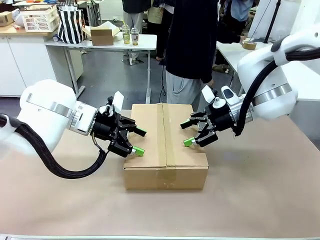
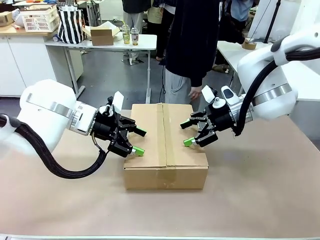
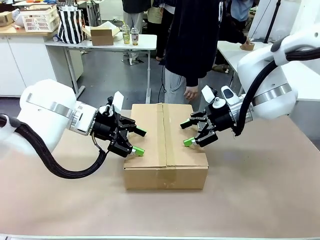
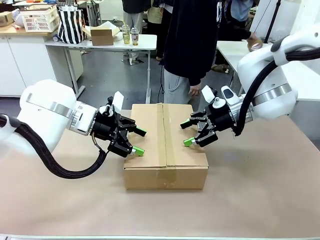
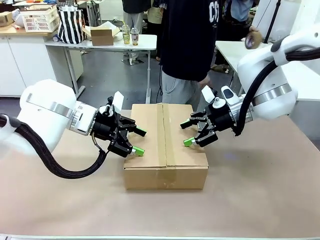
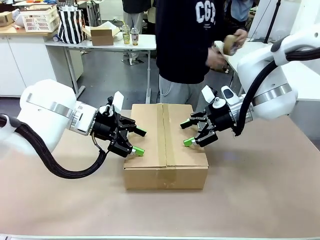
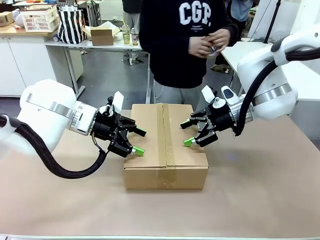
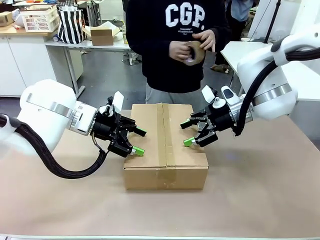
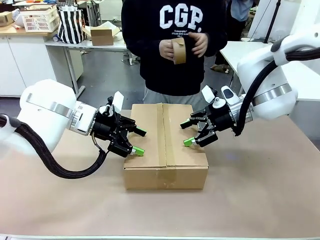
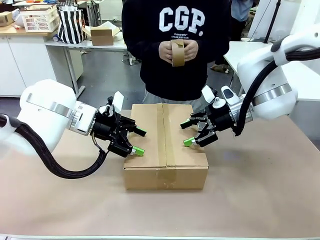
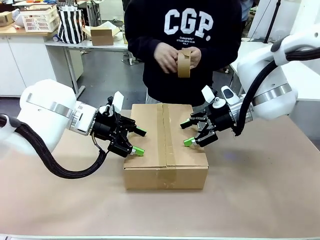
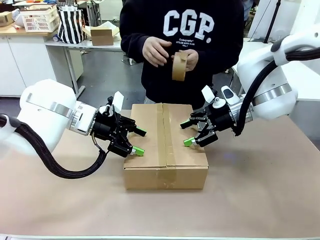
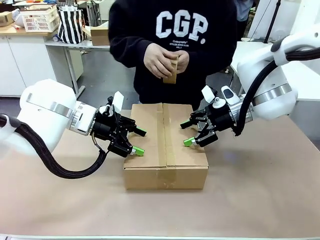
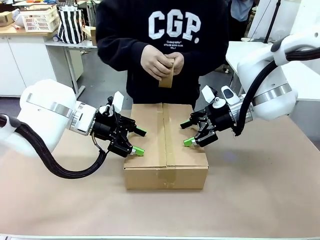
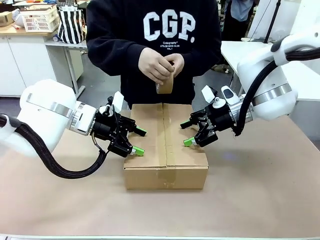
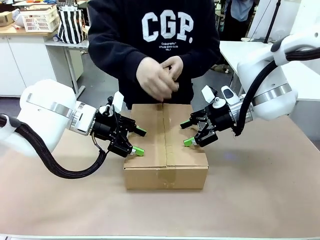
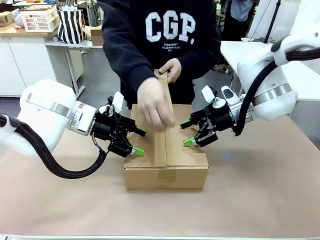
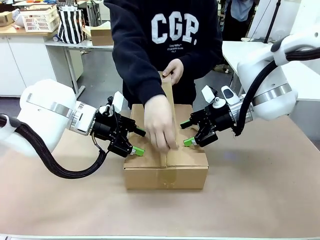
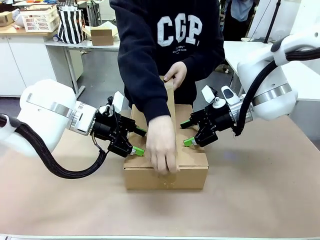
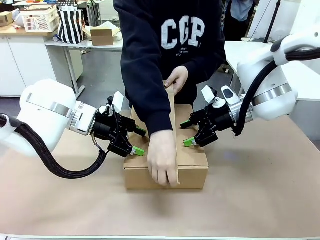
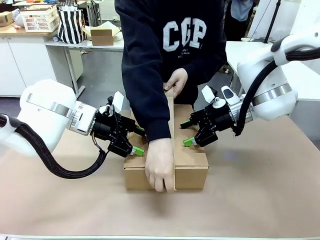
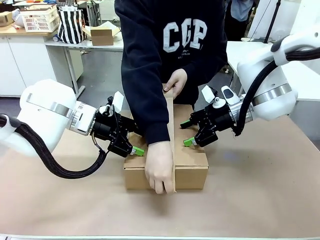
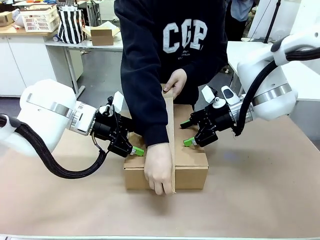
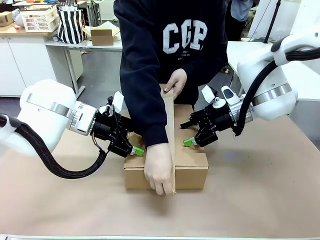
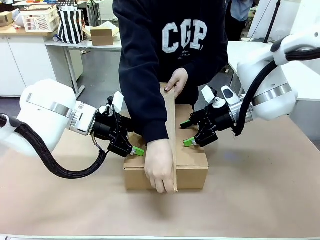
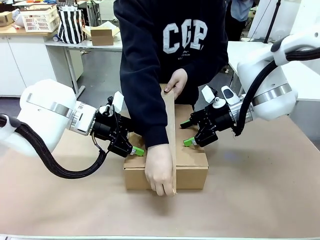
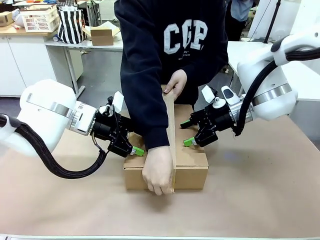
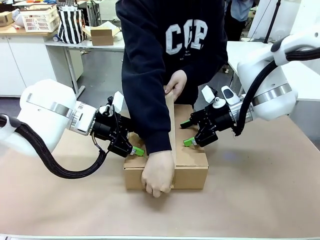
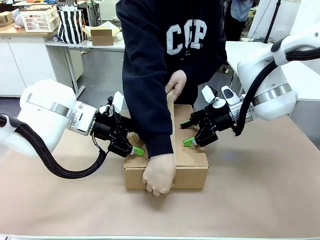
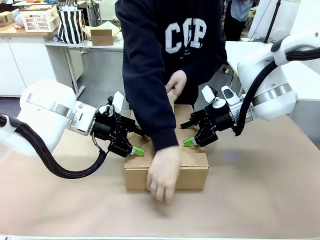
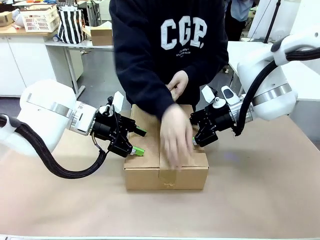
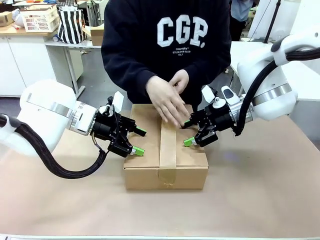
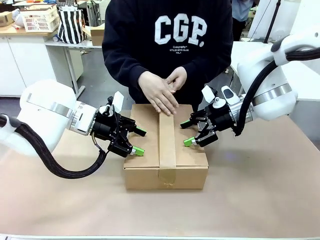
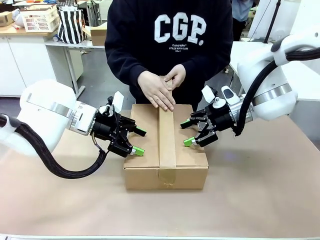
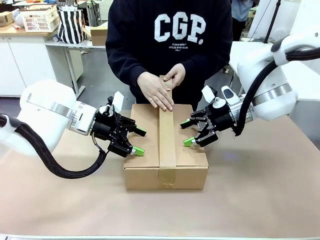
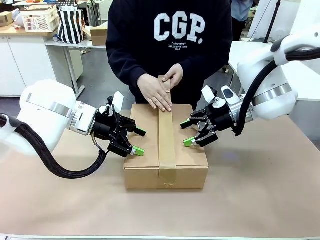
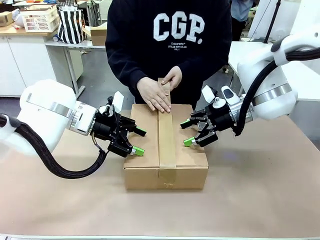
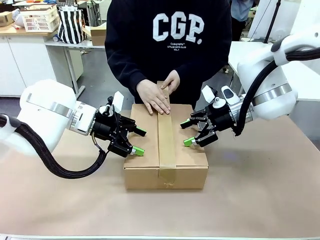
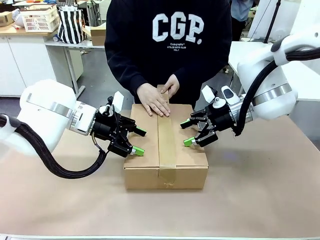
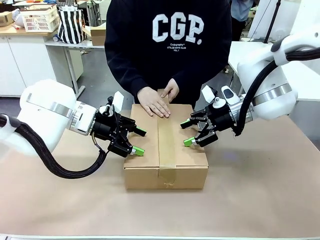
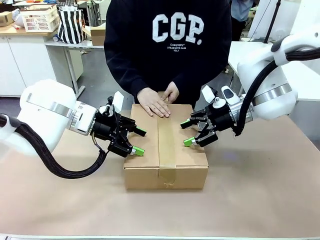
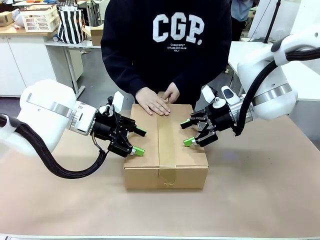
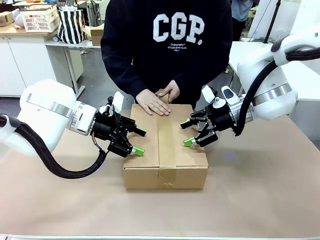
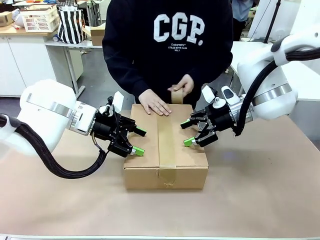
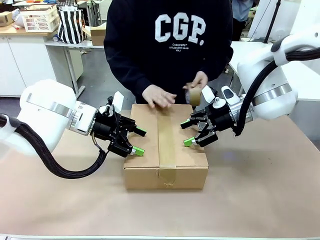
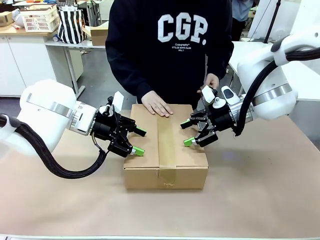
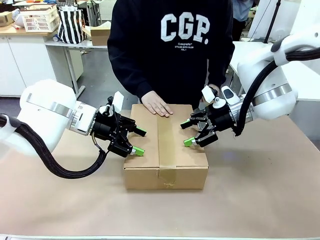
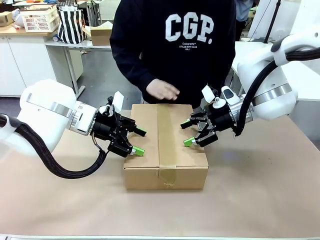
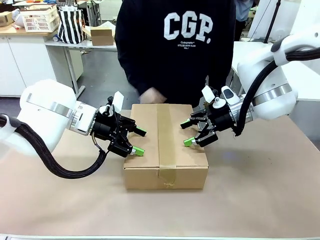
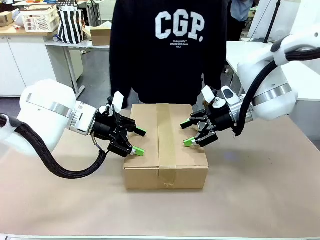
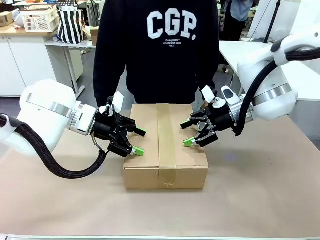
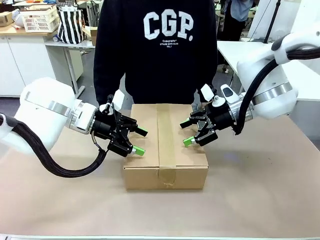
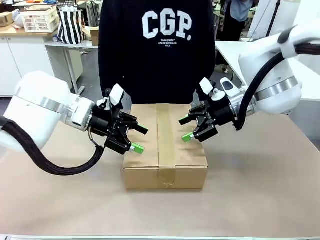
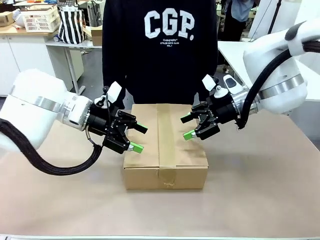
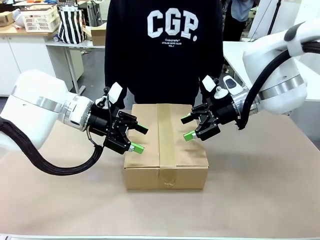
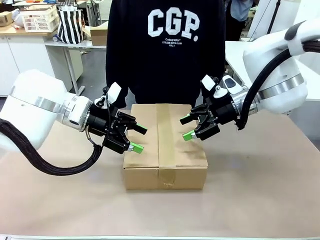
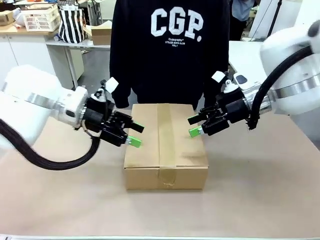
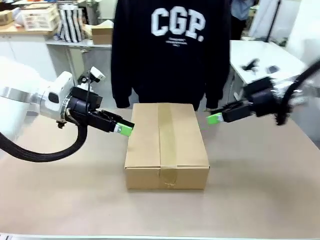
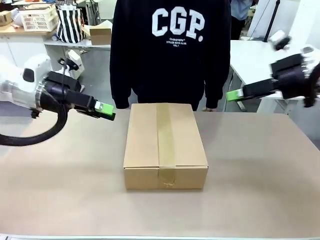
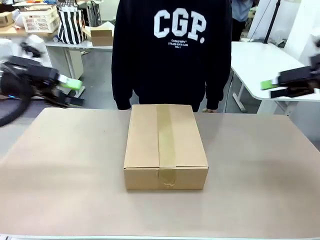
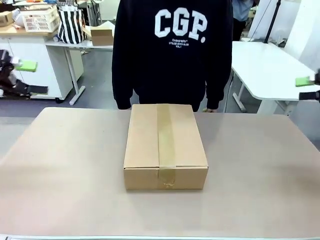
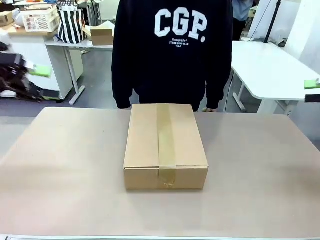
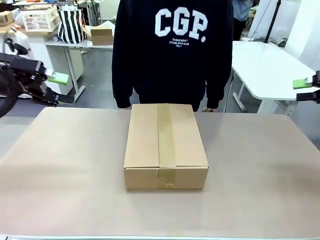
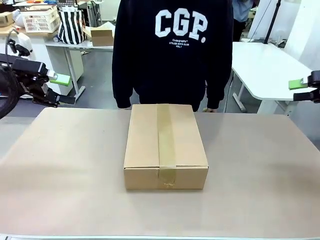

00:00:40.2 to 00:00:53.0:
Task: Pack the gift set into the box.
Robot: Press and hold the closed box until the human finishes sealing it.
Person: The human picks up the paper tape from the human table and packs the box.

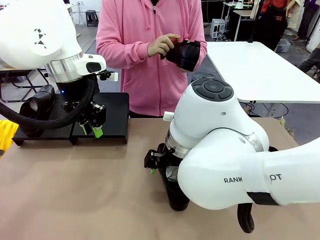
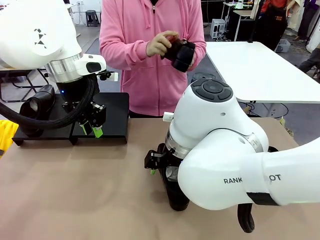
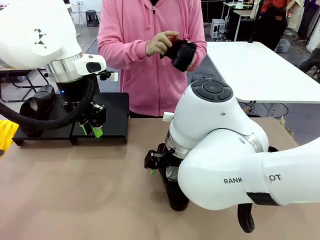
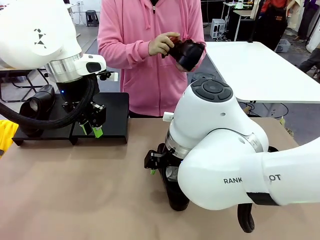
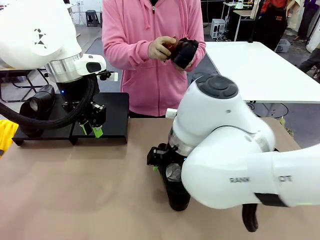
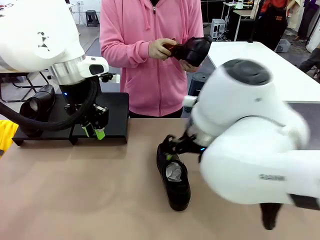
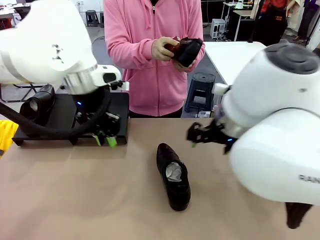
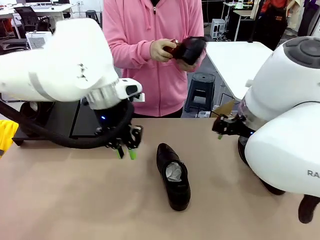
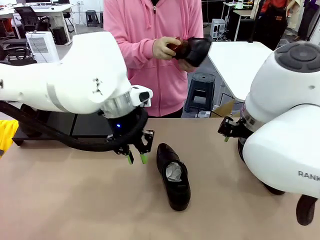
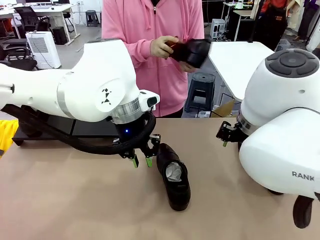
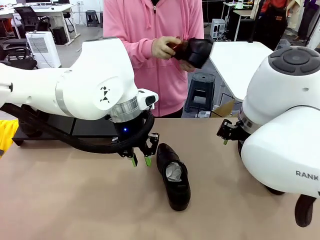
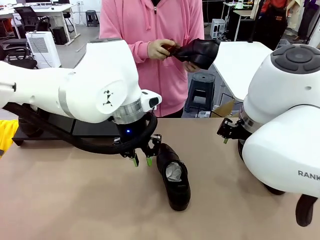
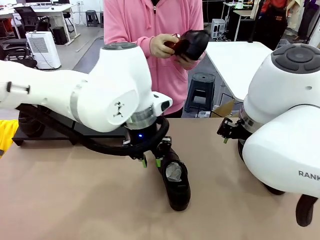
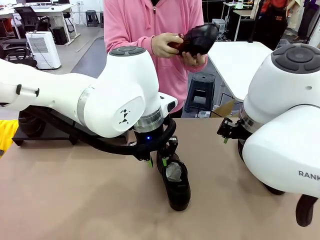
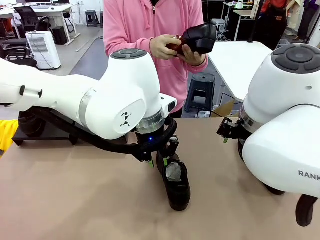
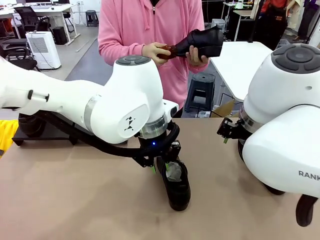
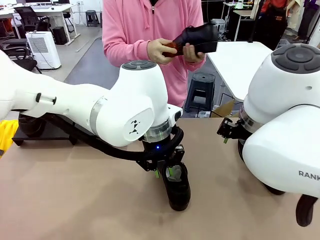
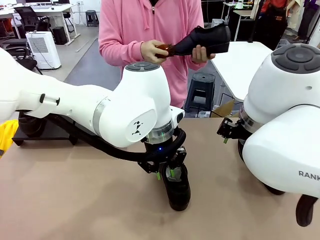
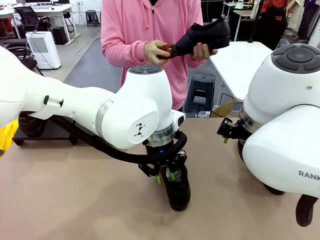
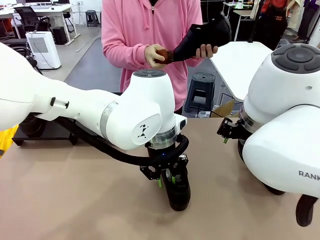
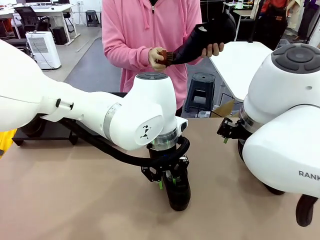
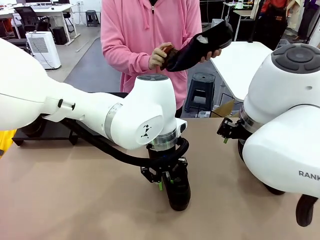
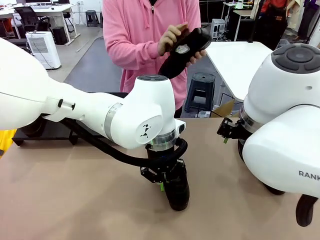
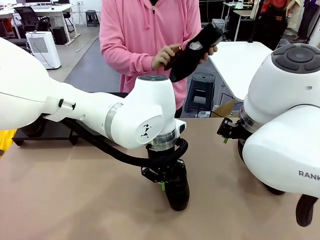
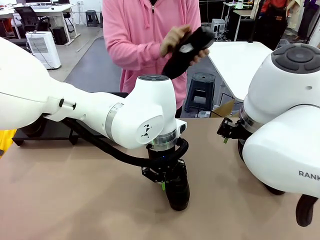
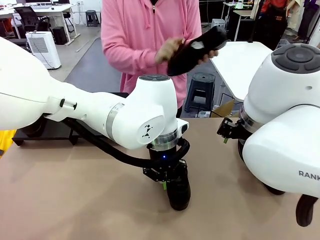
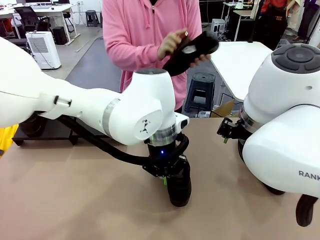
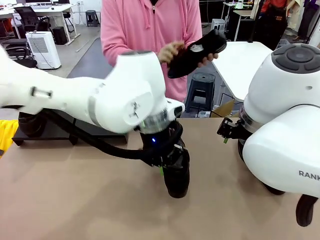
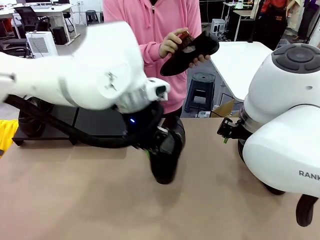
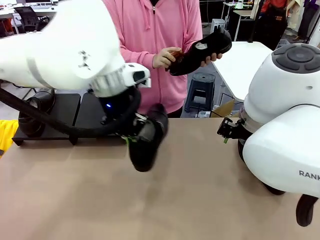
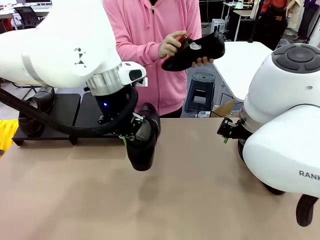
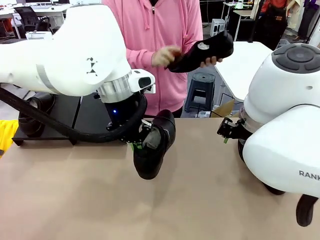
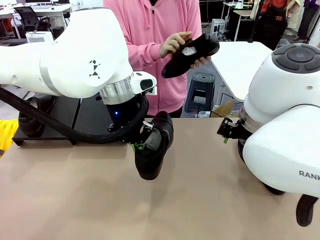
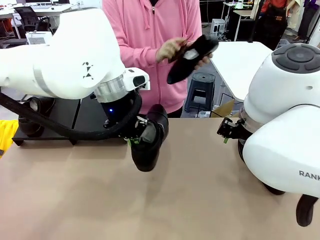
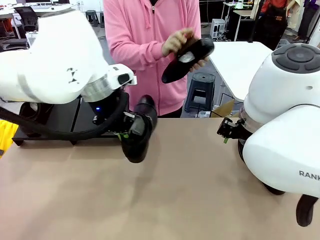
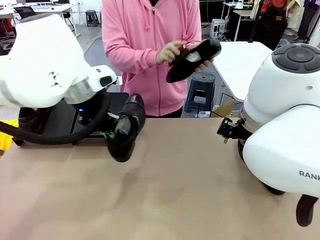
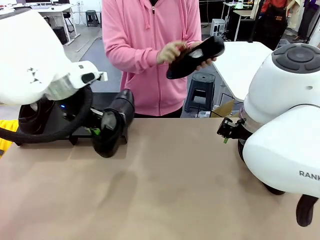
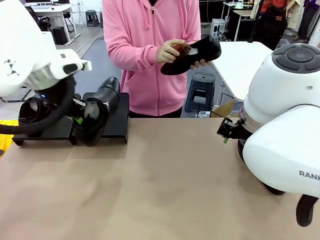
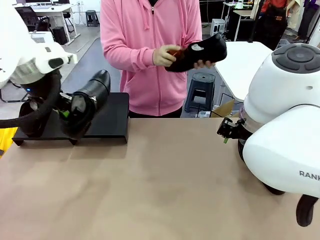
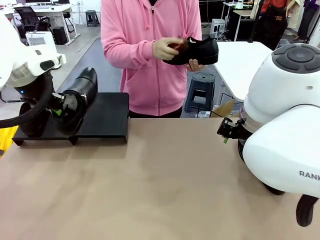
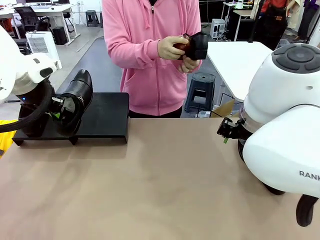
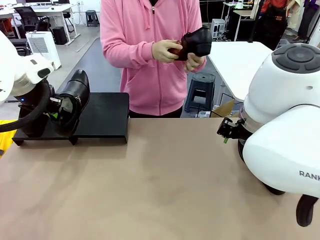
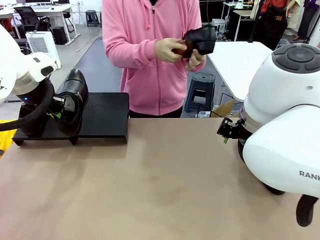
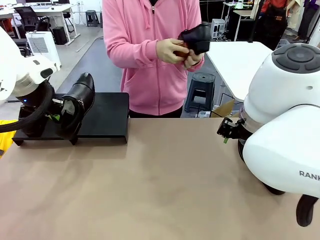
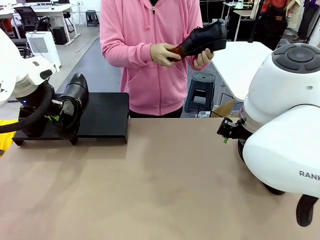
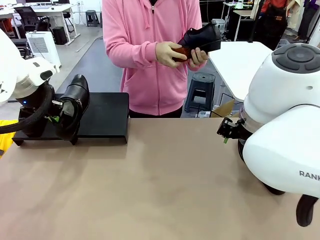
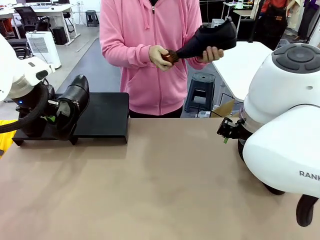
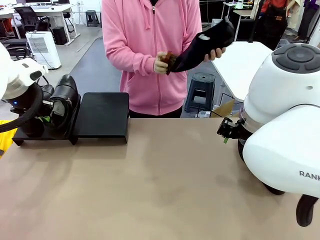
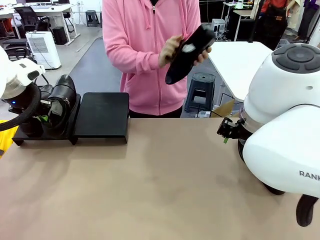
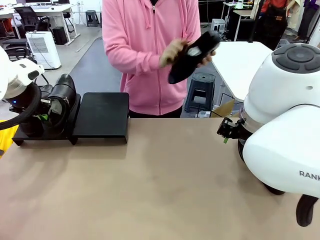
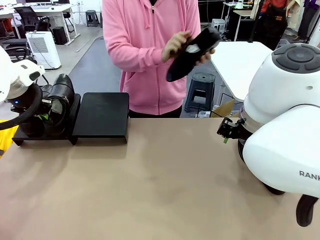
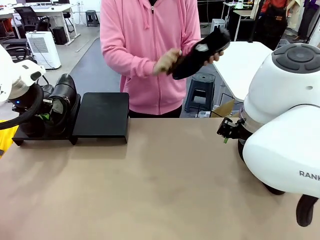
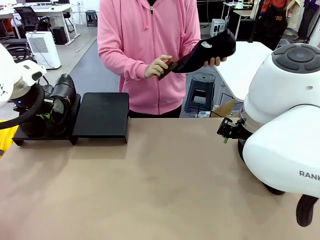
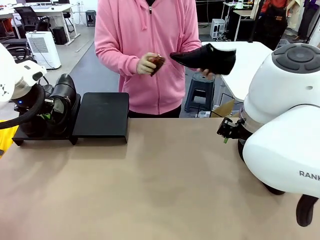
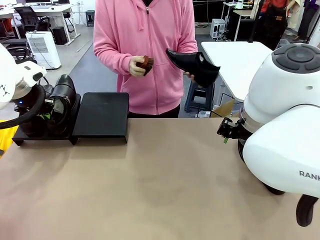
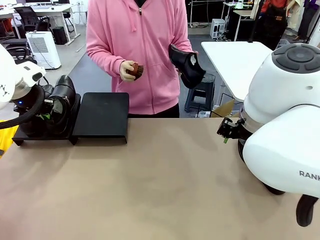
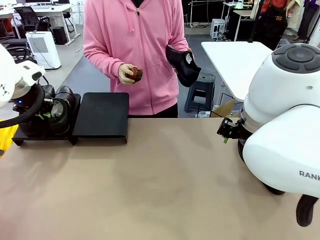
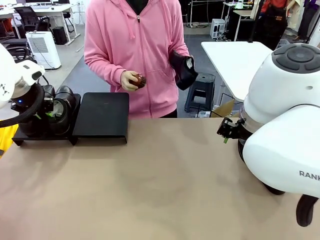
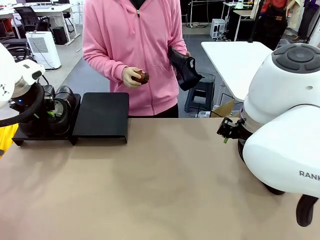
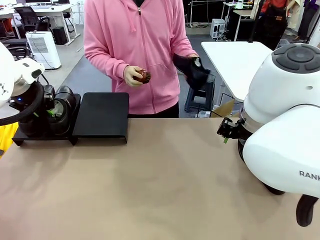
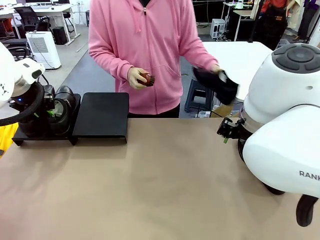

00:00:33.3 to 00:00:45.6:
Task: Organize the shoes by placing them on the stand.
Robot: Place the Shoe from the middle of the table onto the Shoes Stand.
Person: Clean the Shoe with the Shoe Brush.
